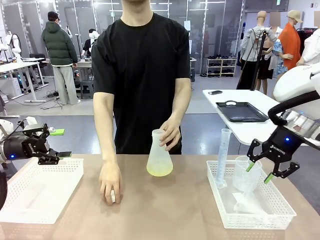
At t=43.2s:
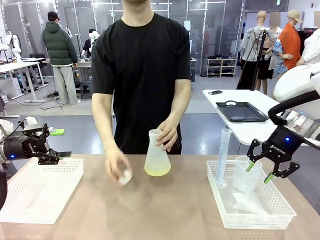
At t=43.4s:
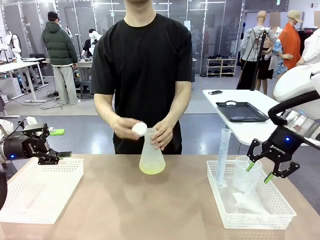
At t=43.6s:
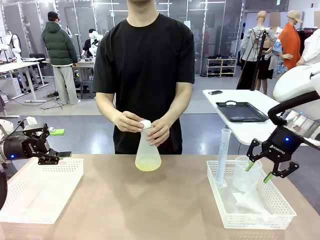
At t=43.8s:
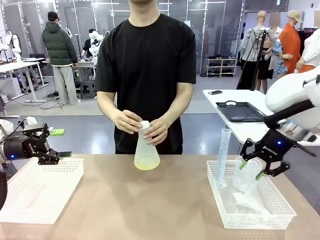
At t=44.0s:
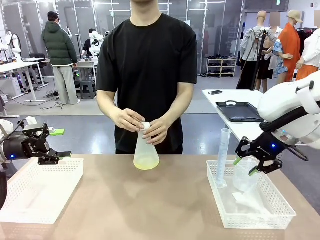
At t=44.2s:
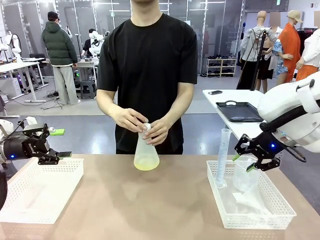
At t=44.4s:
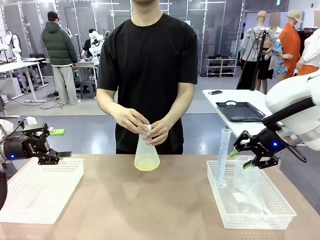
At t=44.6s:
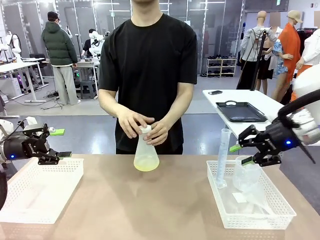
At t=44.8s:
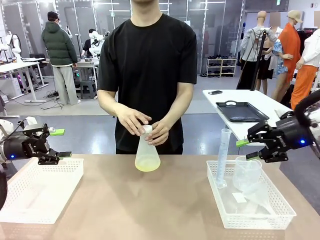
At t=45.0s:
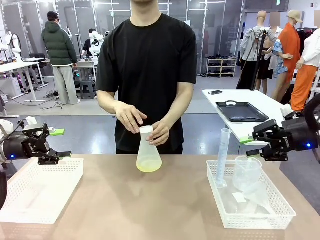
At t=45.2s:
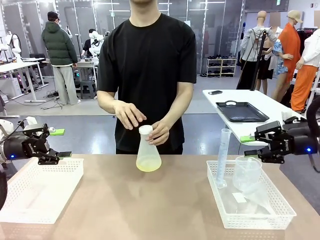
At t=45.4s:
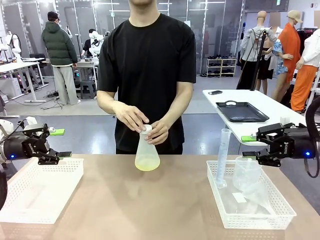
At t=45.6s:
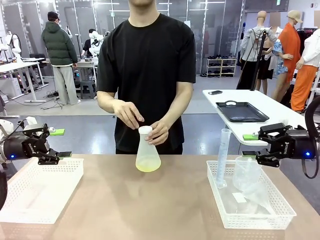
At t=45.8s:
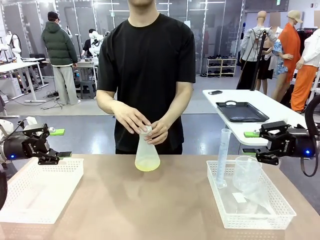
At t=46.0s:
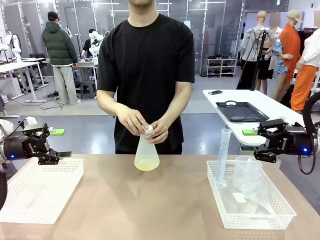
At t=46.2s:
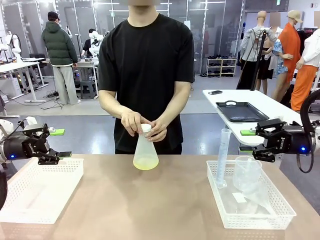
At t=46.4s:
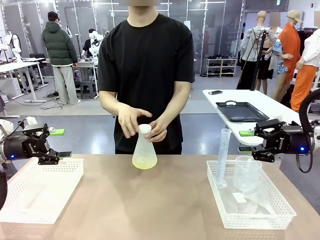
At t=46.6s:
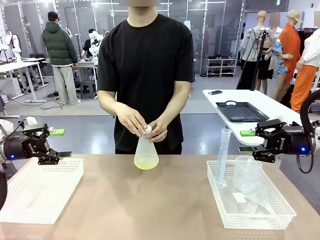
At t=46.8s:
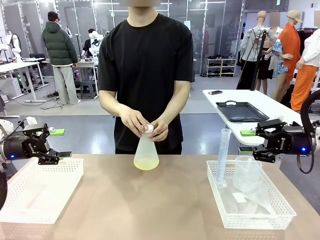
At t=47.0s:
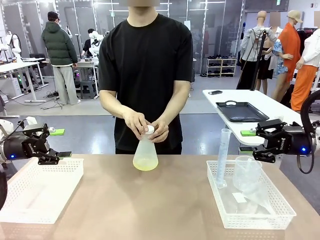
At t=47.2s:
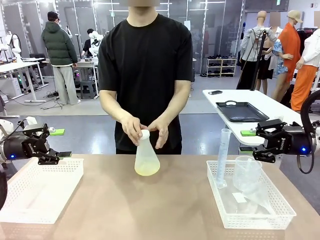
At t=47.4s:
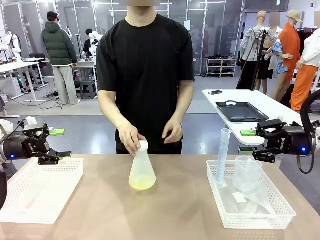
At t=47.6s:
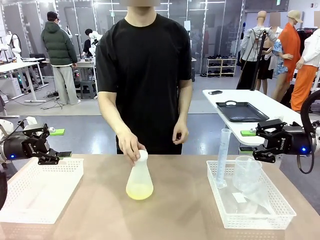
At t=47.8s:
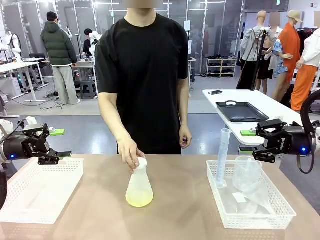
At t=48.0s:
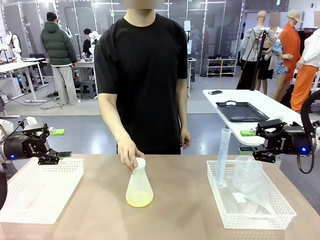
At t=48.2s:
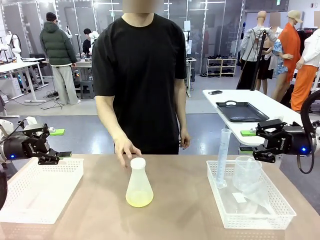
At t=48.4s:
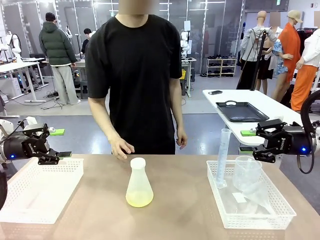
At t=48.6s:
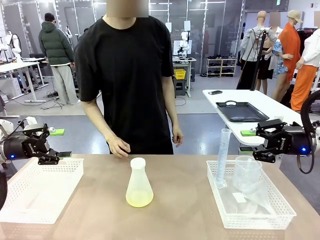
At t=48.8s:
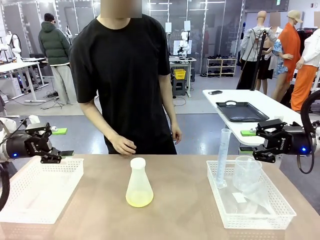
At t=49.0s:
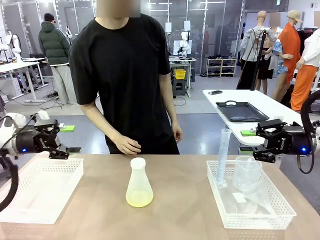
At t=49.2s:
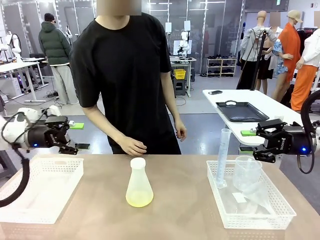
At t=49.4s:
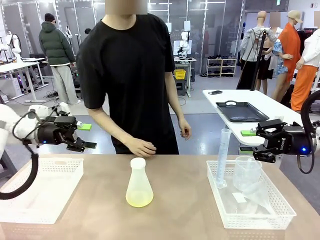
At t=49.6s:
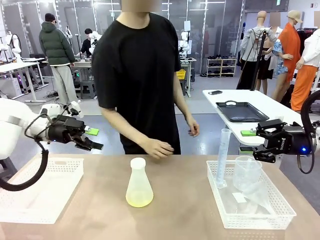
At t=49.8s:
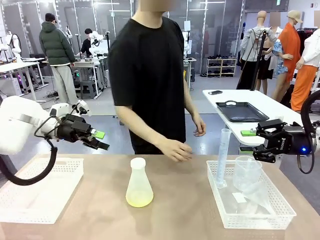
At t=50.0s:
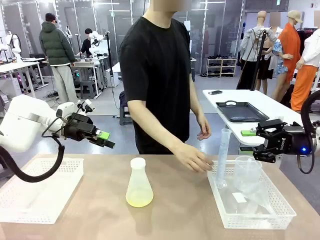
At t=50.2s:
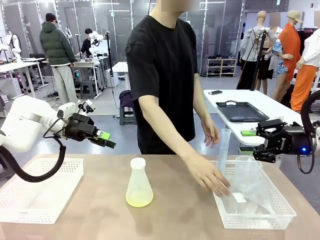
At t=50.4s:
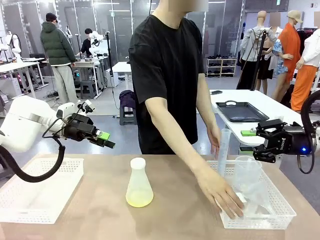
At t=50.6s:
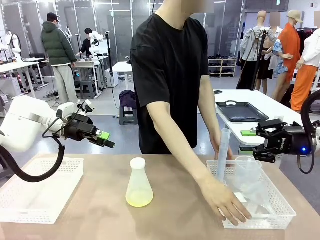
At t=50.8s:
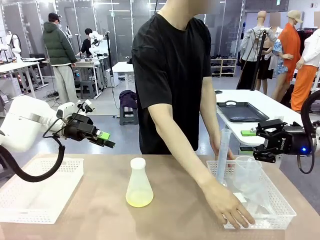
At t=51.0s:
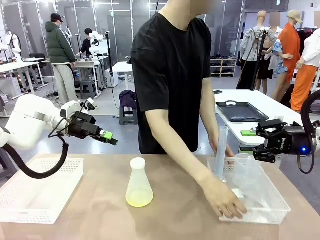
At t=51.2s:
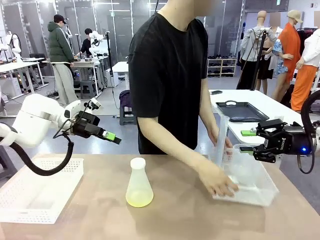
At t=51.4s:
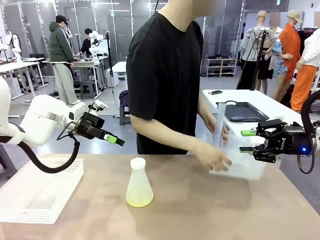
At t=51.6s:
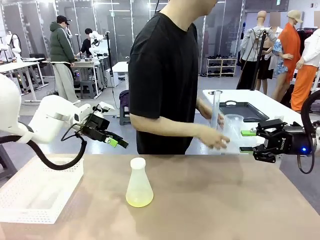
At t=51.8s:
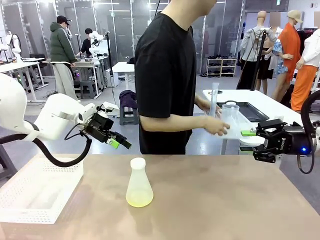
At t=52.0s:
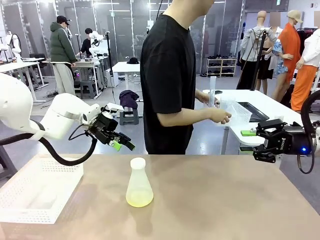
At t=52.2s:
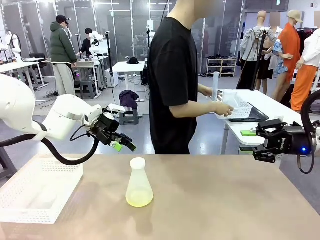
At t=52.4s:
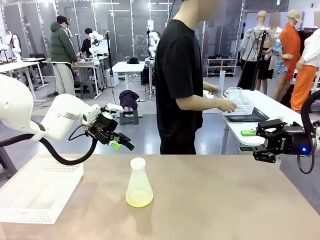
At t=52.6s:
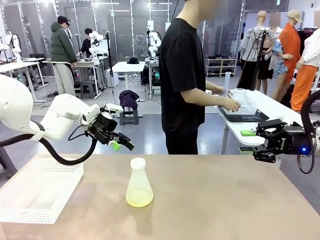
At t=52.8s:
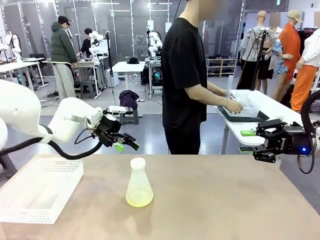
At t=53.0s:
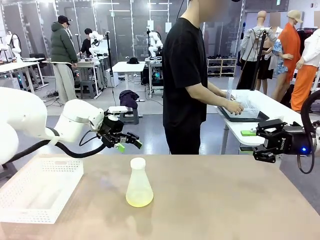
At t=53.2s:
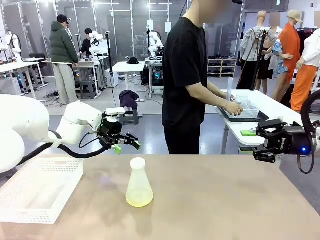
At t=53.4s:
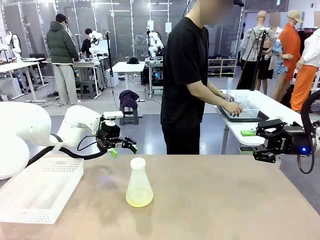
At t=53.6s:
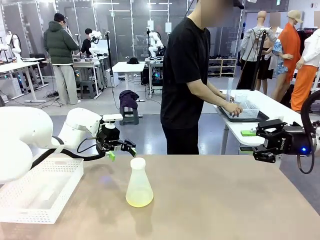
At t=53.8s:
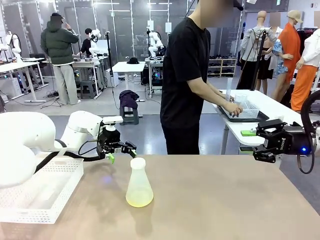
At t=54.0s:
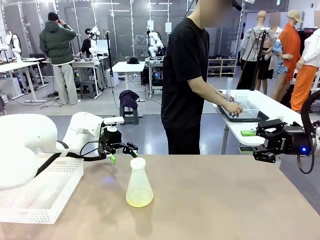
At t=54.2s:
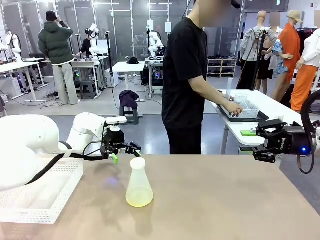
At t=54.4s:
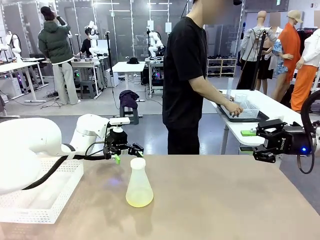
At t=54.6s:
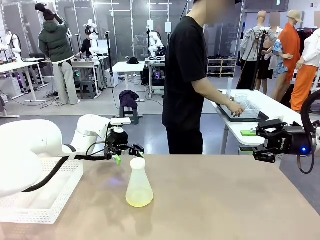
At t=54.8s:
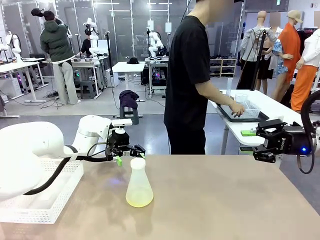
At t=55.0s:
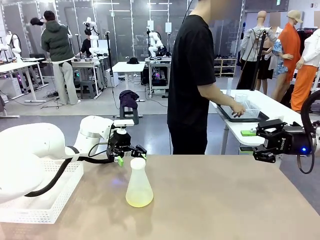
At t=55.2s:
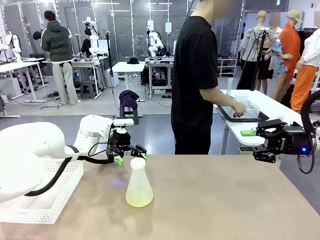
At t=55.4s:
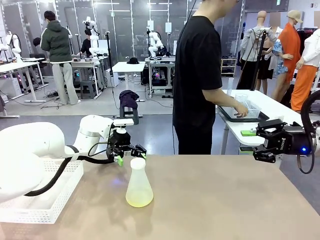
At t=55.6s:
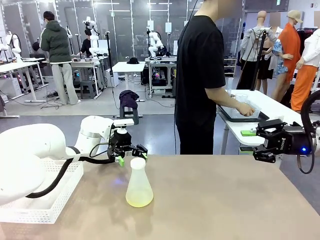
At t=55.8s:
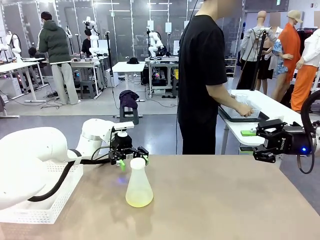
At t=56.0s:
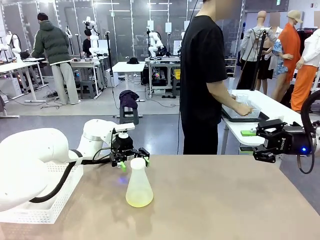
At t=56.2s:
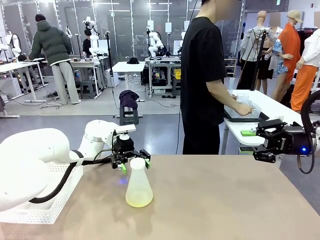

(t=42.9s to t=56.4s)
Task: Prepare the solutions needed for the experiment.
Robot: When the human places the Big flask in the center of the table, pick up the Big flask and place it in the left Organizing basket.
